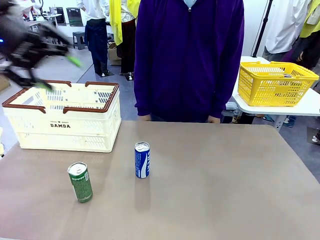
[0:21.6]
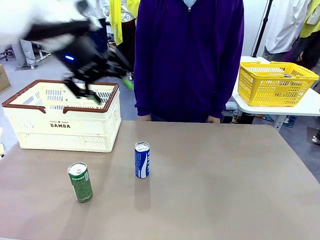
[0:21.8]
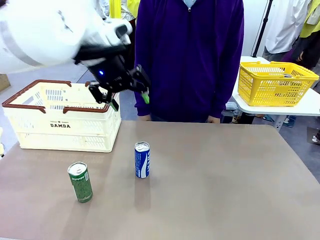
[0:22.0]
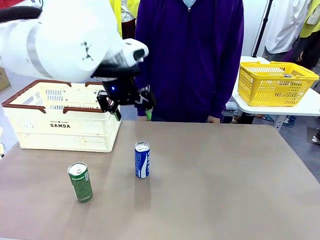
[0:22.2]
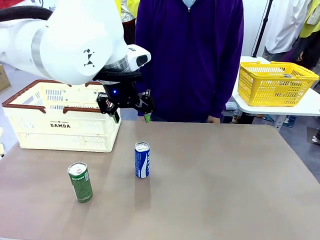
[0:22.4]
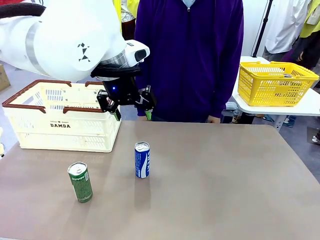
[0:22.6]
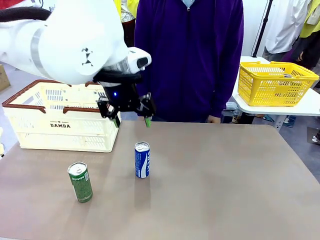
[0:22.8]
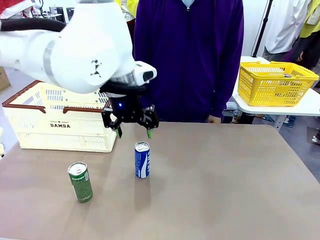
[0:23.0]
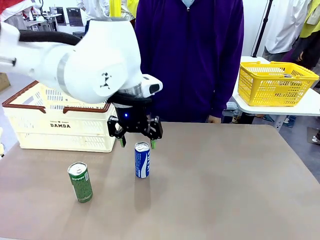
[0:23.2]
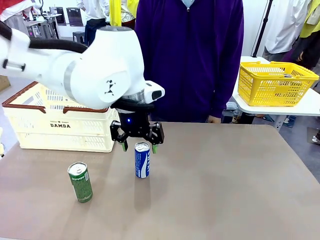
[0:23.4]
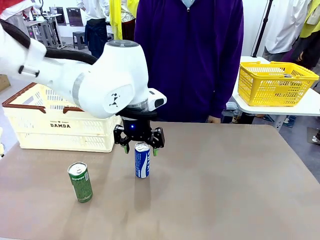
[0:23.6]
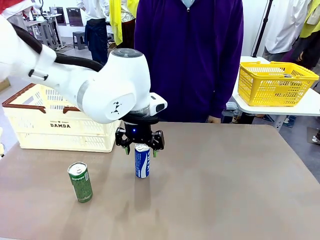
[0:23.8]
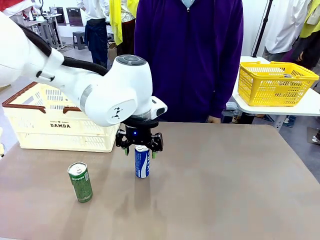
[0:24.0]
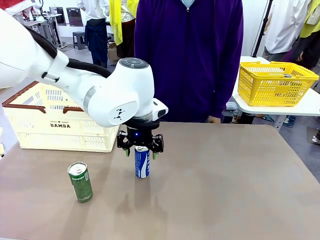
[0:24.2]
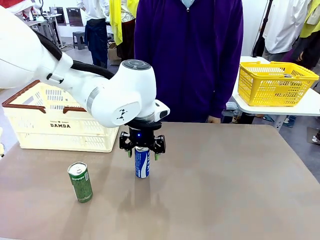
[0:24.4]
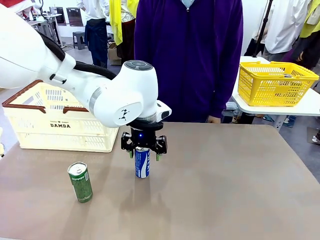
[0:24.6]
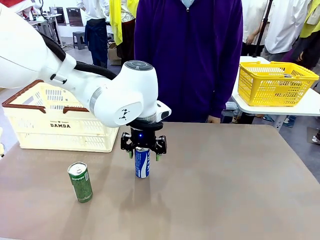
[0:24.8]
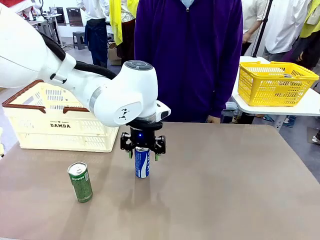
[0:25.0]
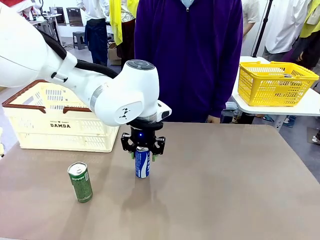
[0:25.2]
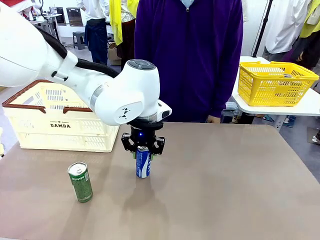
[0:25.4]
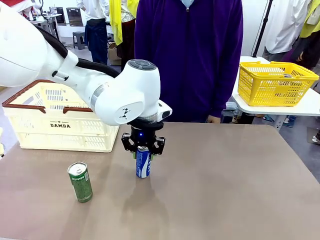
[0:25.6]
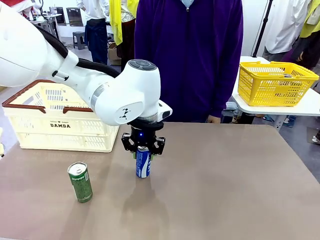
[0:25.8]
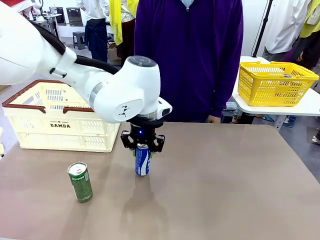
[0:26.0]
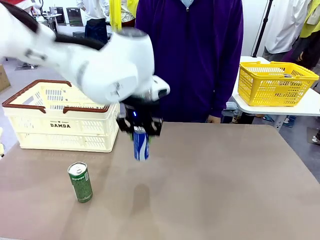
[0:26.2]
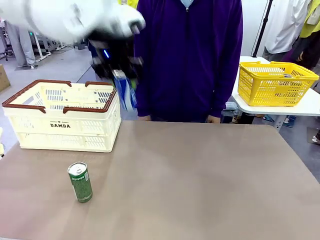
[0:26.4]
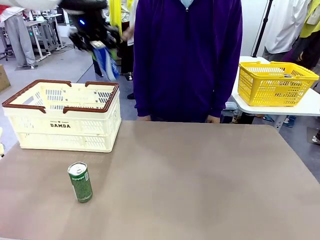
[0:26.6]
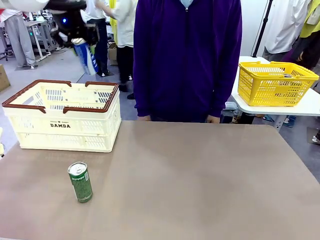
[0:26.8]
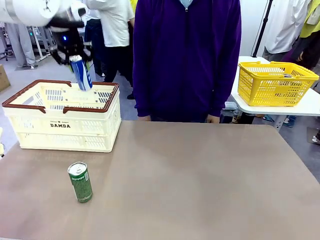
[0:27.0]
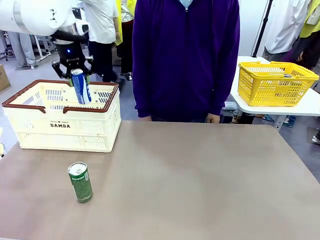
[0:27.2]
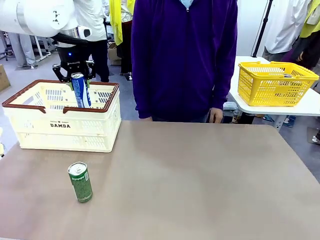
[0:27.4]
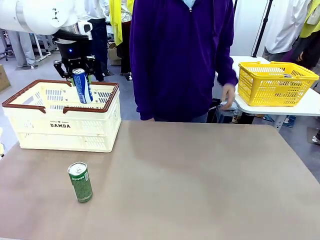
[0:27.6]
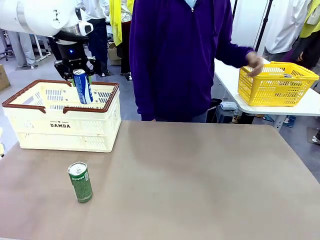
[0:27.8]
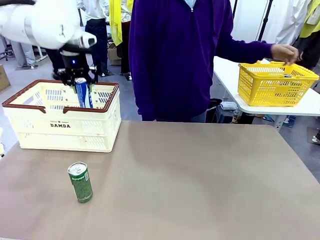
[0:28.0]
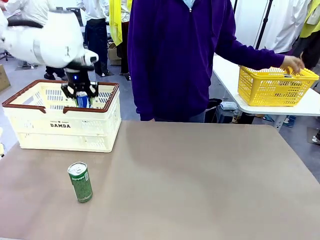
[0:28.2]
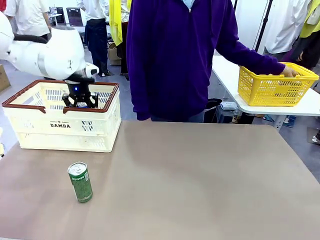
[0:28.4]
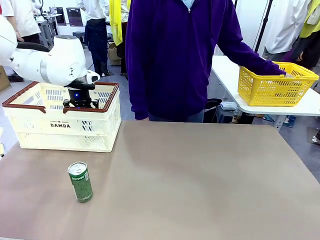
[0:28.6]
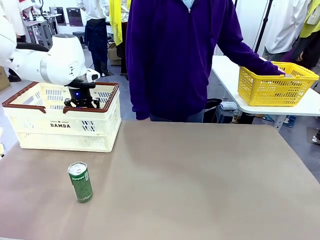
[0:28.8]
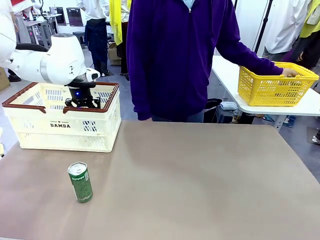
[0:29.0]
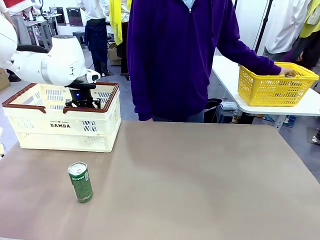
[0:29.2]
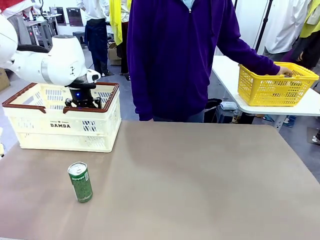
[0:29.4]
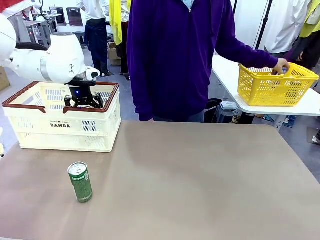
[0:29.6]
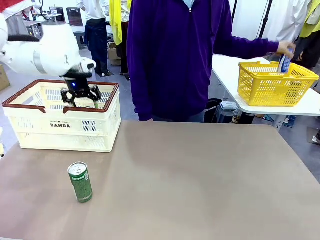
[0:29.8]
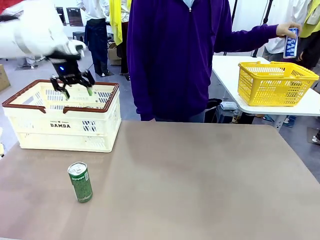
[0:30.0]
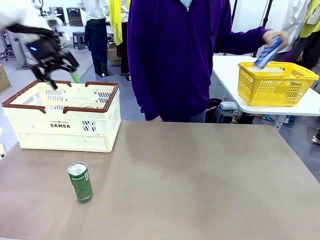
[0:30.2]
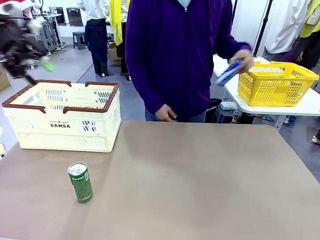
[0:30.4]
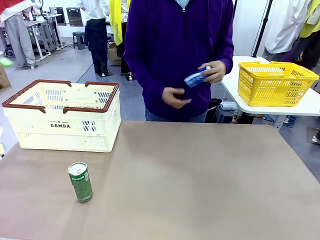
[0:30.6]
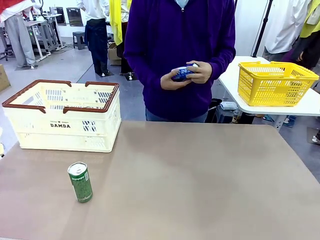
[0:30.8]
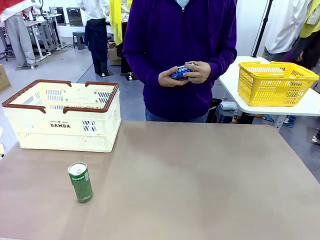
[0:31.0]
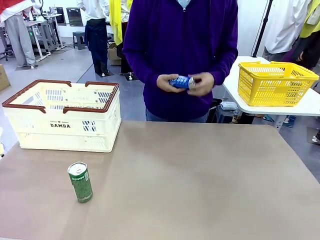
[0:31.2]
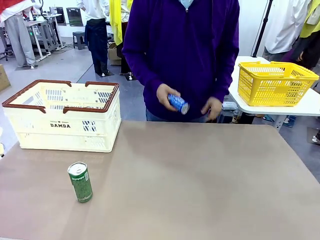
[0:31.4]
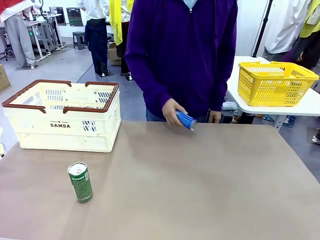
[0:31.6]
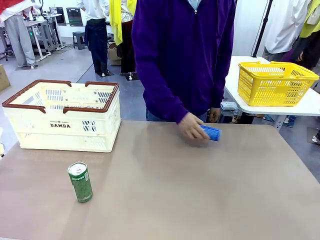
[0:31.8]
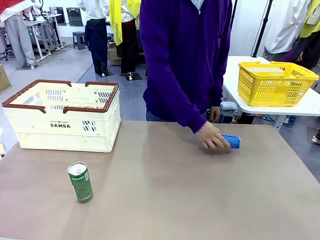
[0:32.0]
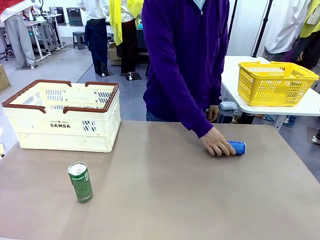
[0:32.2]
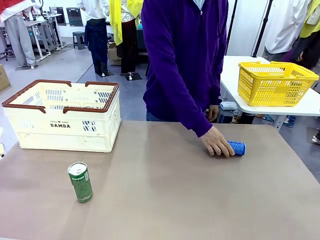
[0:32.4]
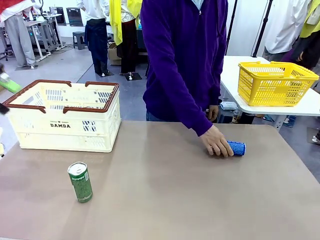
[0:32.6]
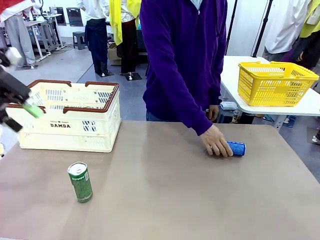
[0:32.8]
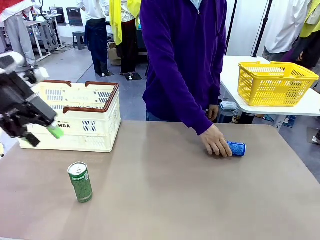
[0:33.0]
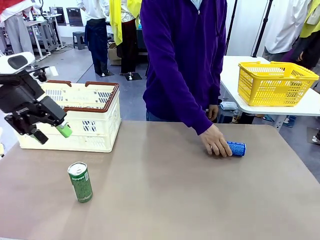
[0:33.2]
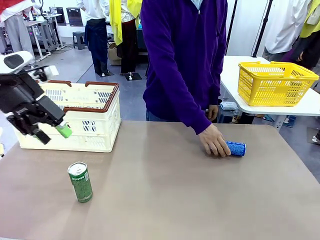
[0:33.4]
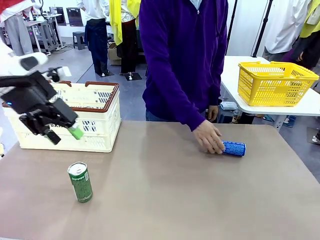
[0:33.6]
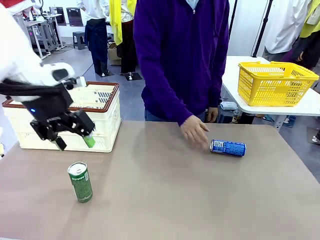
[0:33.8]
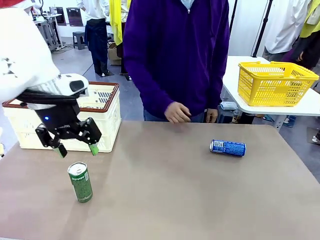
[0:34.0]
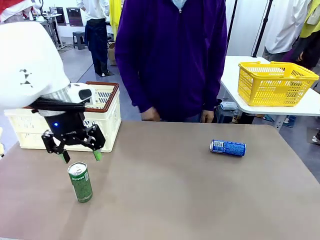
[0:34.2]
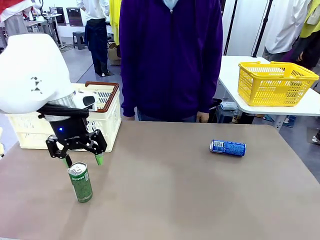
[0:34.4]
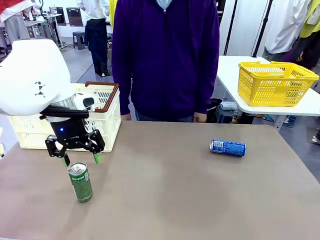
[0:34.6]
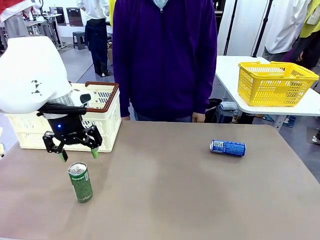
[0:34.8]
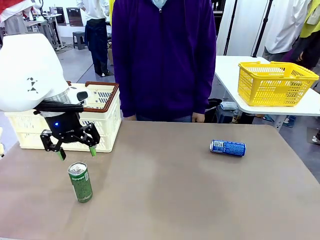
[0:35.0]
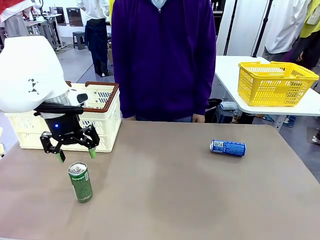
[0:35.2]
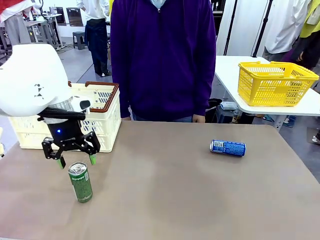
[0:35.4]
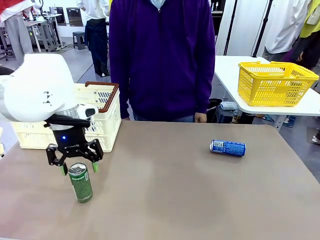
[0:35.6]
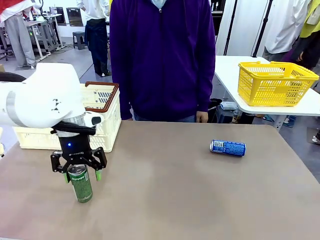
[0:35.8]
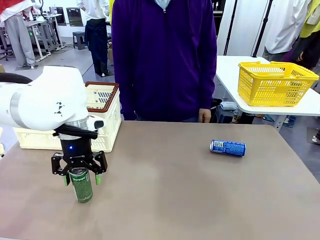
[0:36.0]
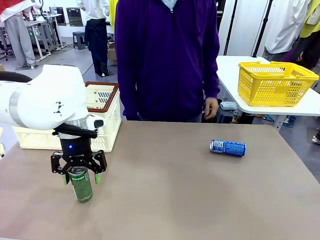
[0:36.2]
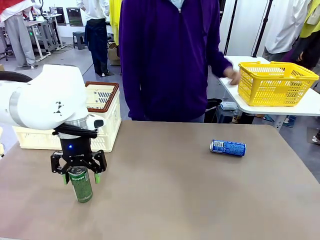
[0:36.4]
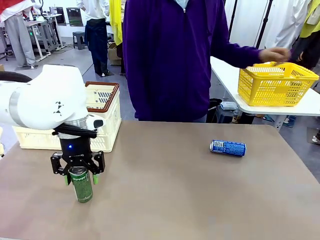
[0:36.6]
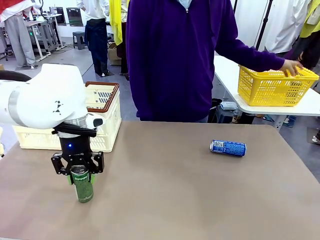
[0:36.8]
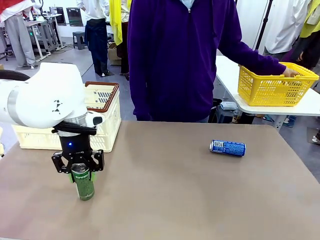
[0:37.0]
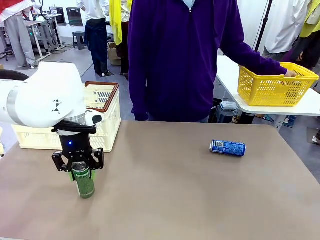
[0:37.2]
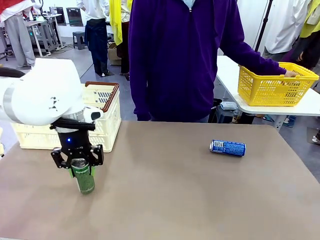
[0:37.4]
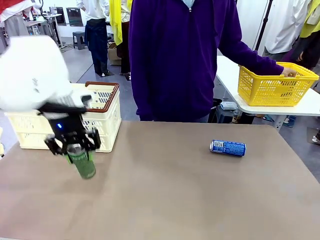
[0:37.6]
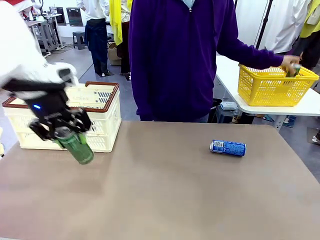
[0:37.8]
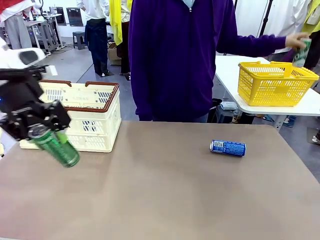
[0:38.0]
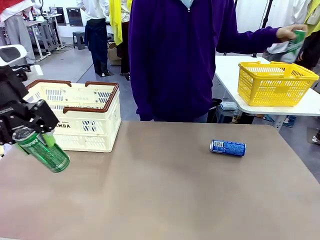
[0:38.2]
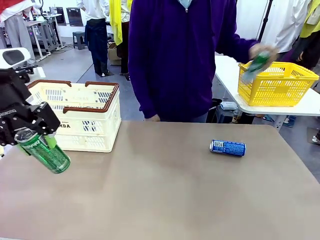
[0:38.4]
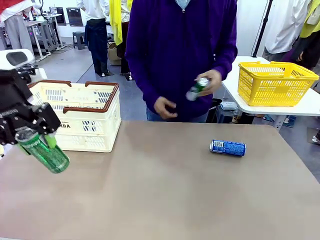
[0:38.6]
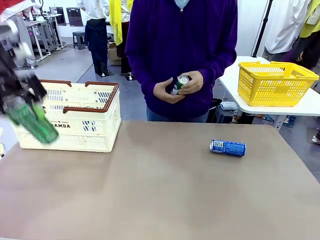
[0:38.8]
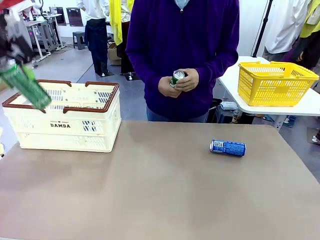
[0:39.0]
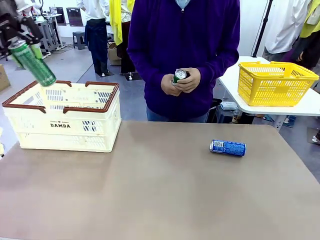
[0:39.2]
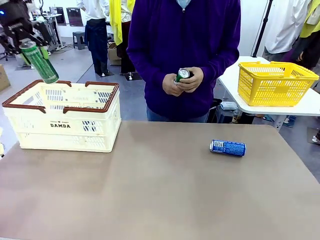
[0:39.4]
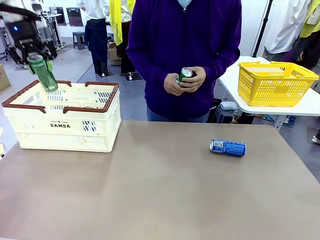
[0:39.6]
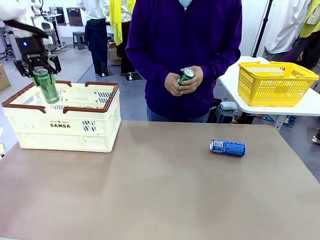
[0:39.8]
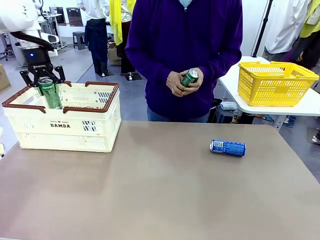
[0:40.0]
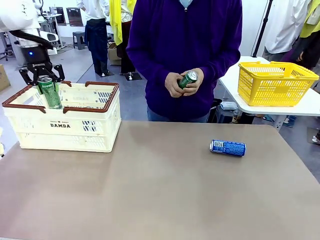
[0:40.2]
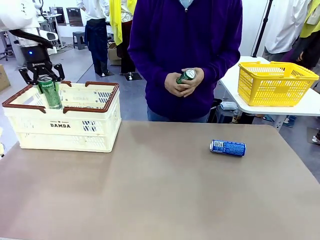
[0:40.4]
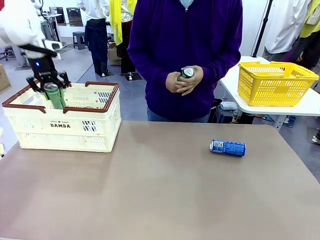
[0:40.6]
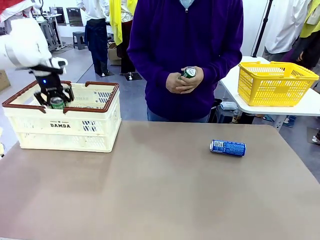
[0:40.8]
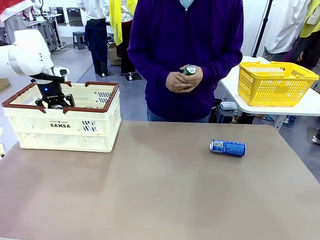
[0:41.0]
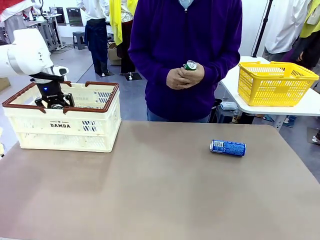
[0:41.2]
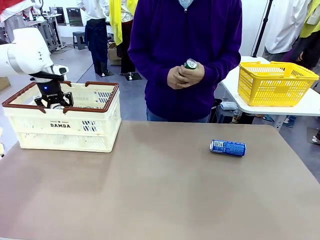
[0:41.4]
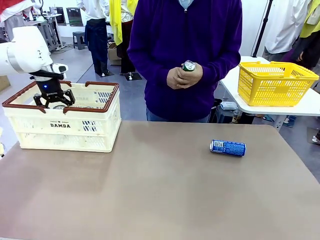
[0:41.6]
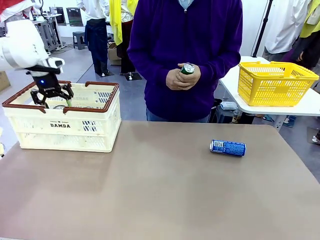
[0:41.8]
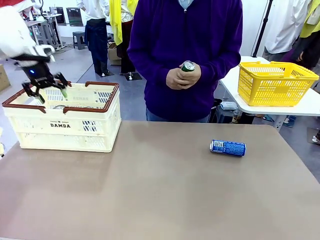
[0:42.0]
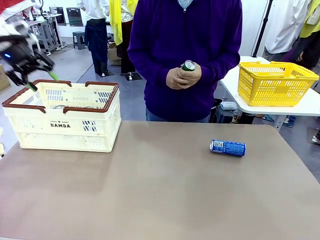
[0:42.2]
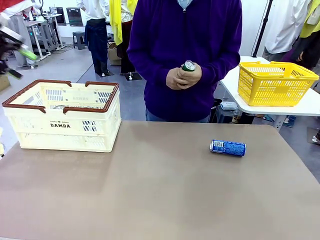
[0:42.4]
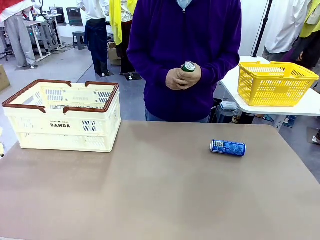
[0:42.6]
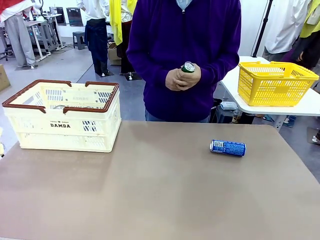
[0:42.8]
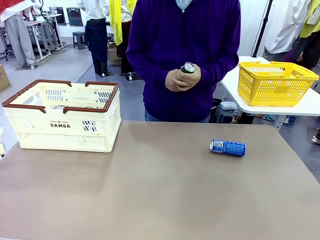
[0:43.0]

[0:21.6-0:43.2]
Task: Place the drinks into the Shopping basket.
Robot: Pick up one drink and place it into the Shopping basket.
